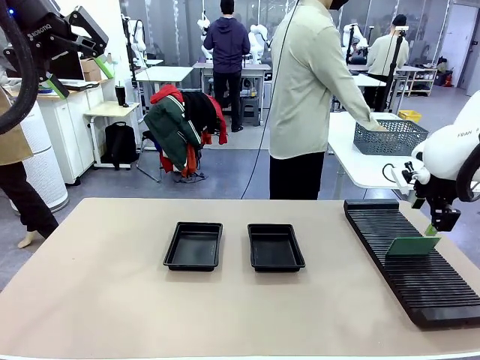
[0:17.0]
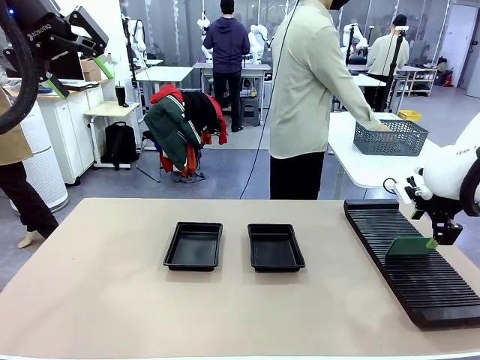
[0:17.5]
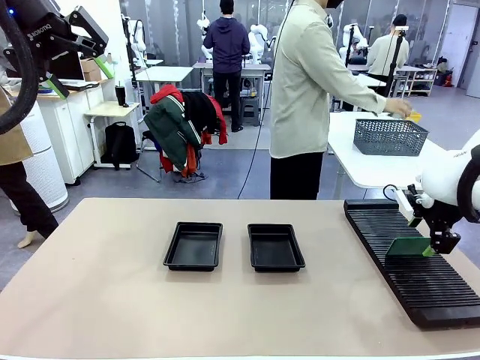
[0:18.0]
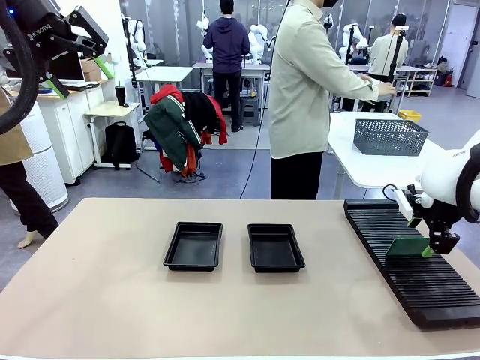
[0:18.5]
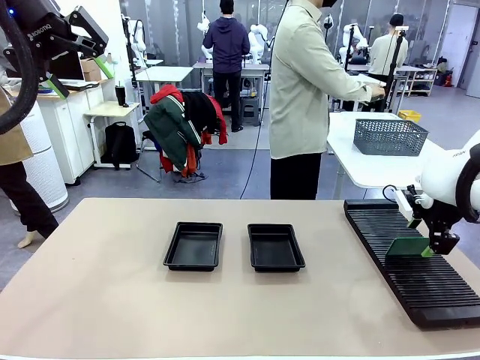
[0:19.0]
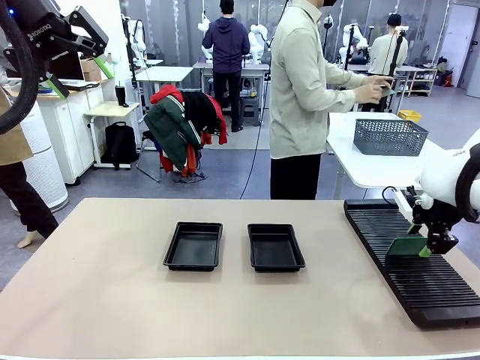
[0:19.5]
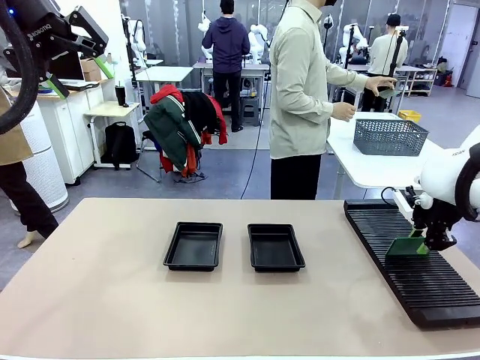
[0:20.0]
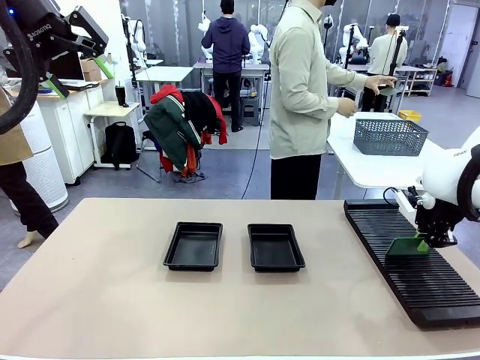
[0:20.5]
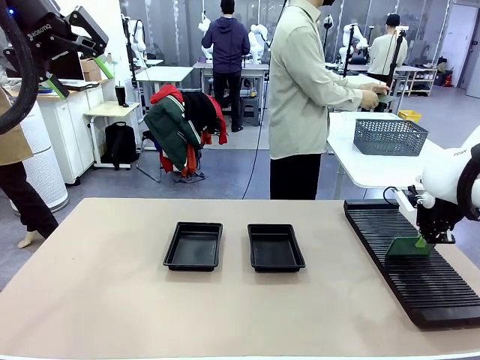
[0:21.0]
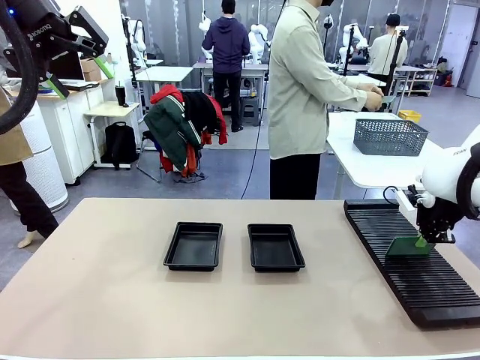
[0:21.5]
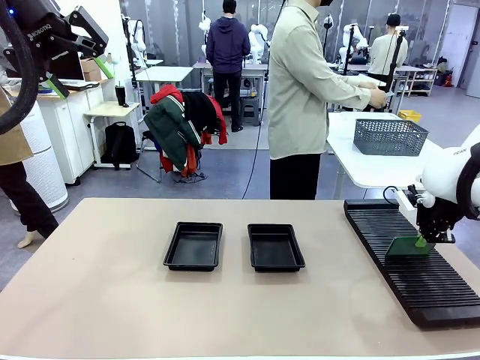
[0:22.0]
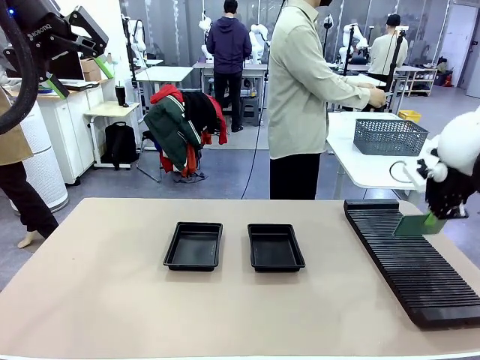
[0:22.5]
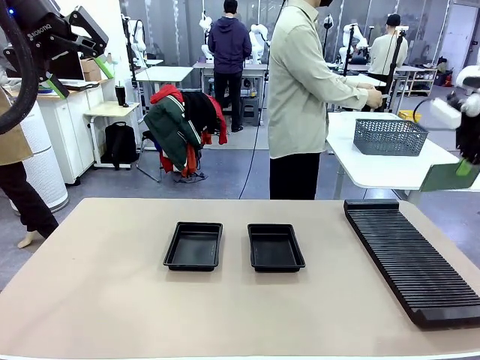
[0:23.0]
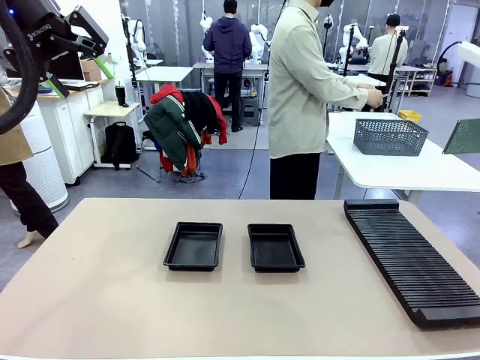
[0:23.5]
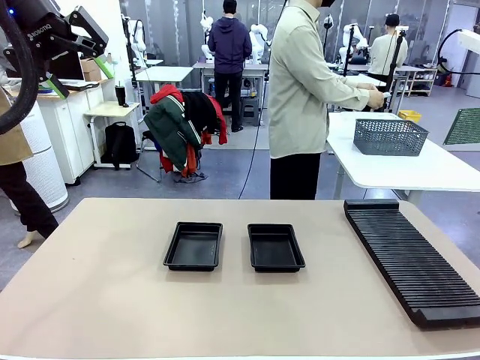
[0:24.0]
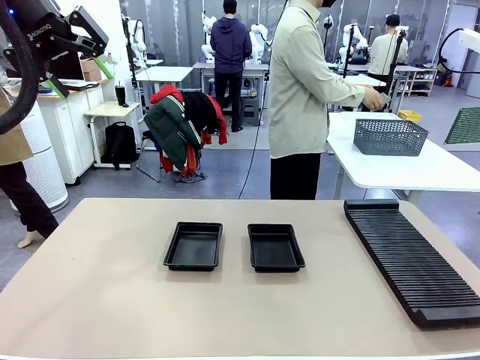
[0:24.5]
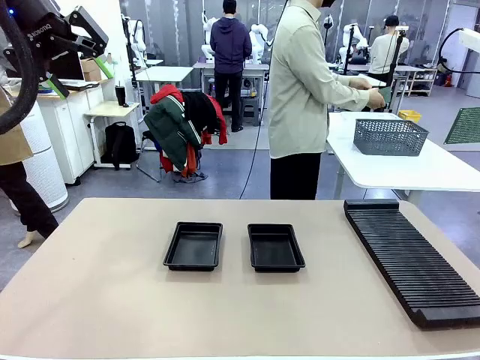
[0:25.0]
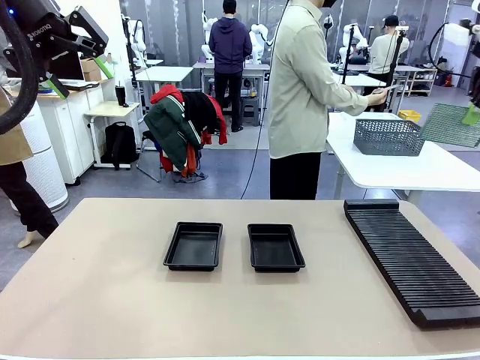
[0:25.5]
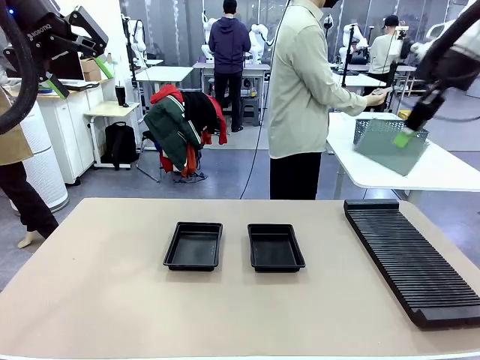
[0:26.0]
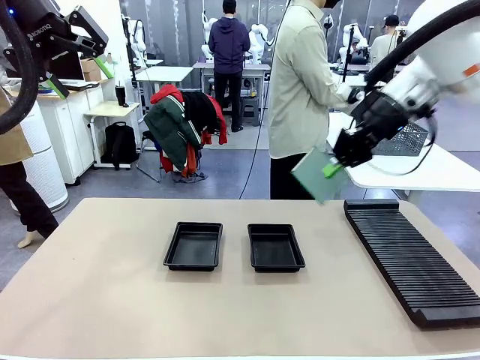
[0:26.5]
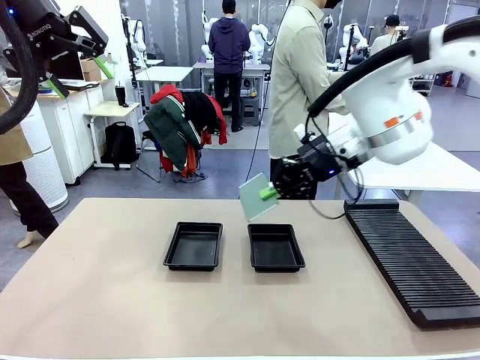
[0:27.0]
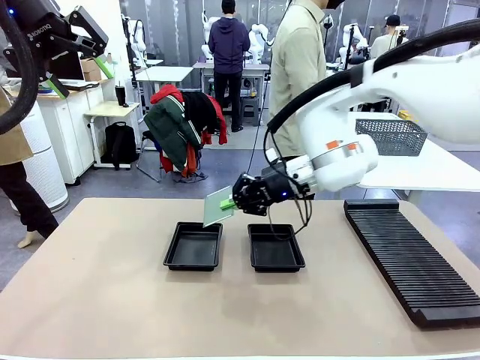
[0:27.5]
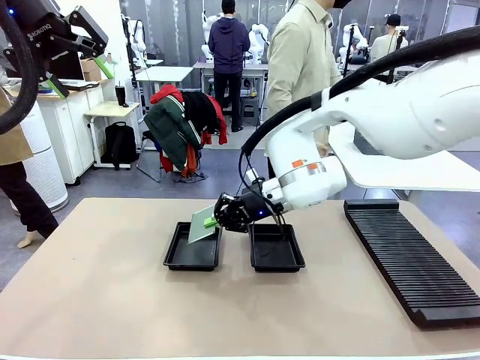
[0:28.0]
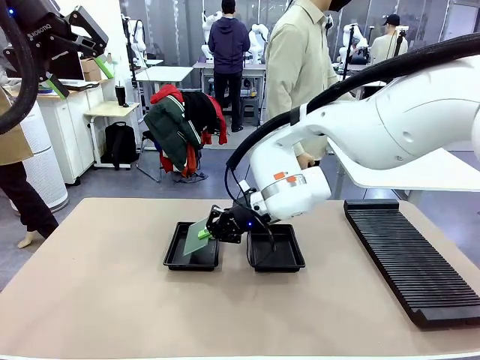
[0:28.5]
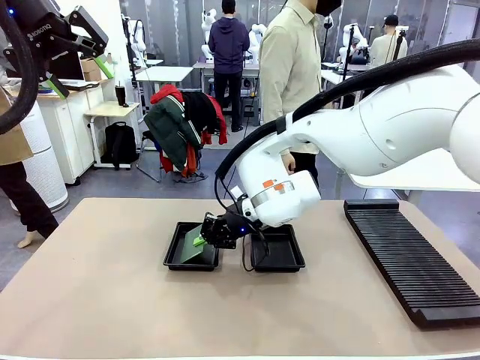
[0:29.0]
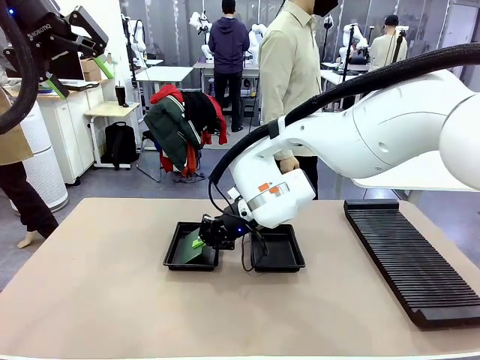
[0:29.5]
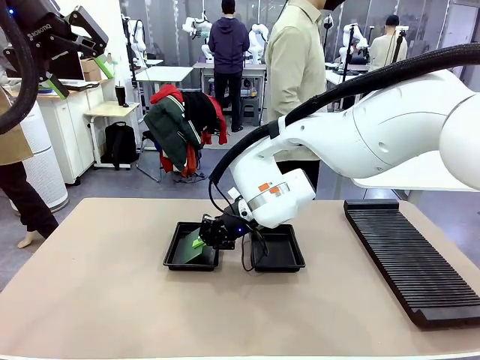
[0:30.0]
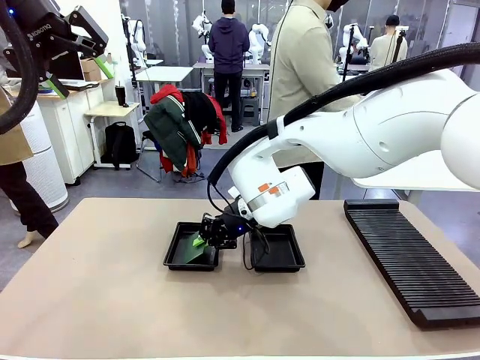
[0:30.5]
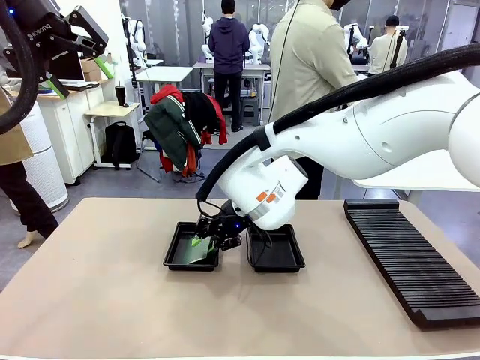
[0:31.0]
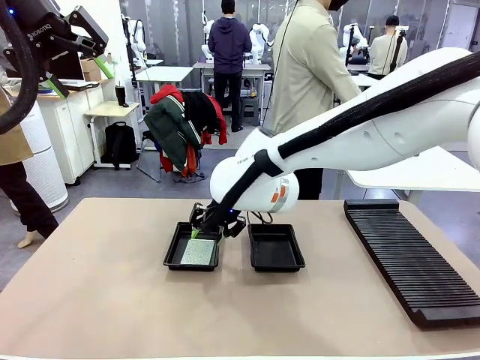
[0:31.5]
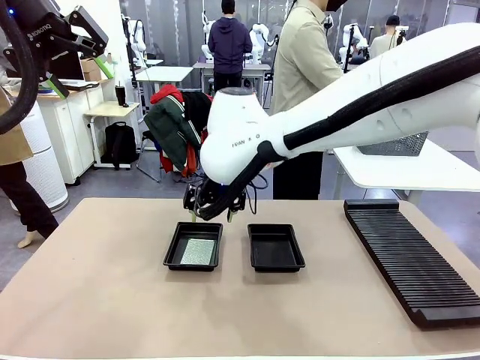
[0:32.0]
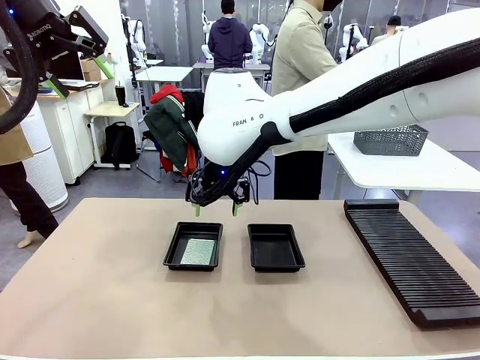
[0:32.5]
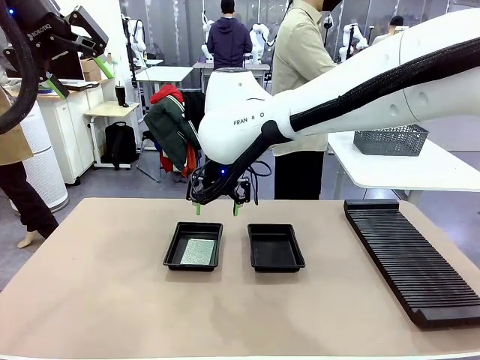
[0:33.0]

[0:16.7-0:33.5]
Task: Inspect and transfer BCBs to ESD trays.
Robot: Pick up the Blank PCB from the PCB Rack and place it in the left ESD tray.
